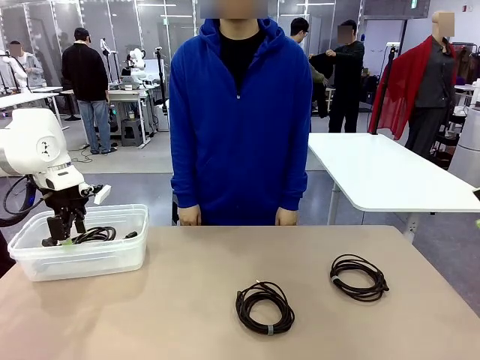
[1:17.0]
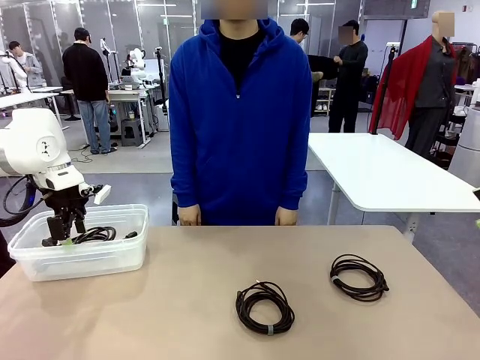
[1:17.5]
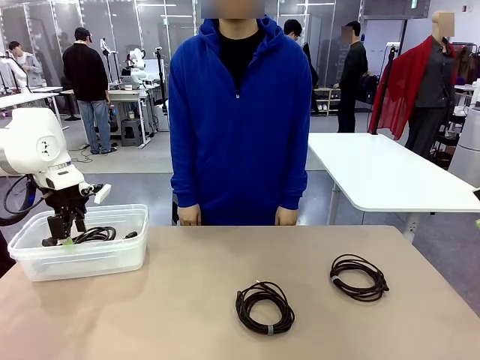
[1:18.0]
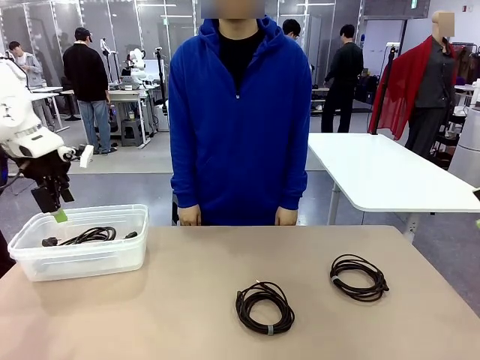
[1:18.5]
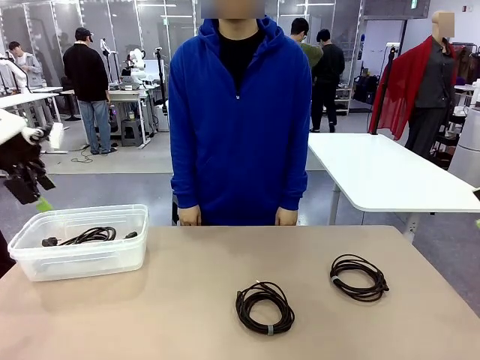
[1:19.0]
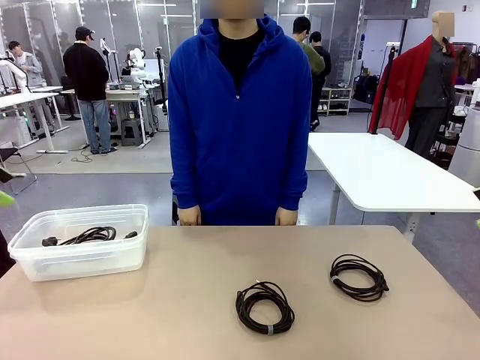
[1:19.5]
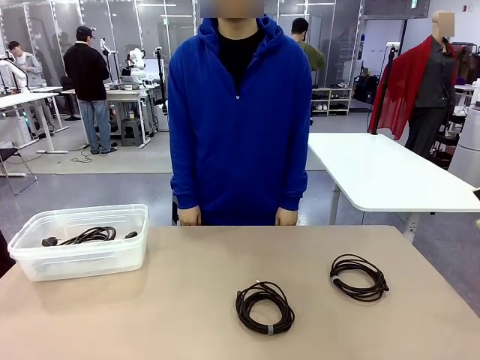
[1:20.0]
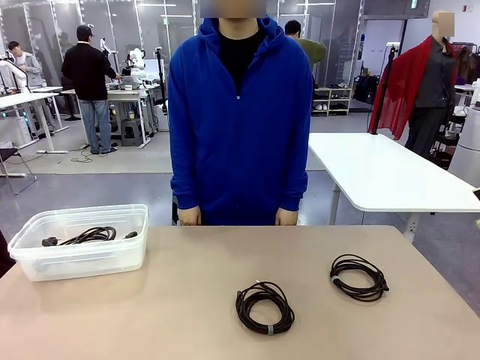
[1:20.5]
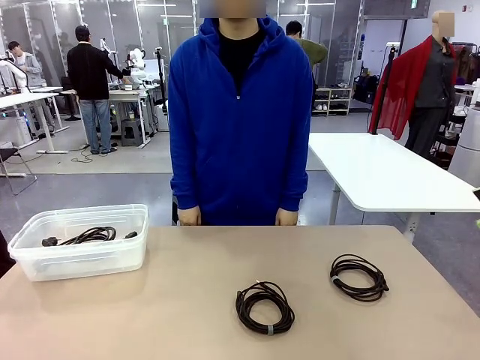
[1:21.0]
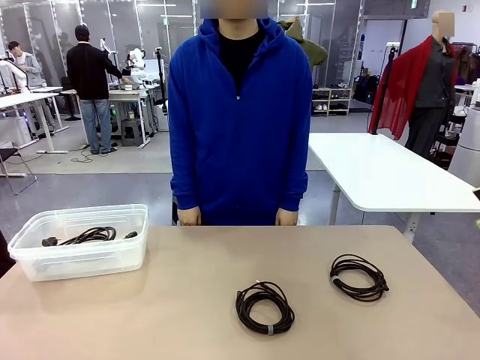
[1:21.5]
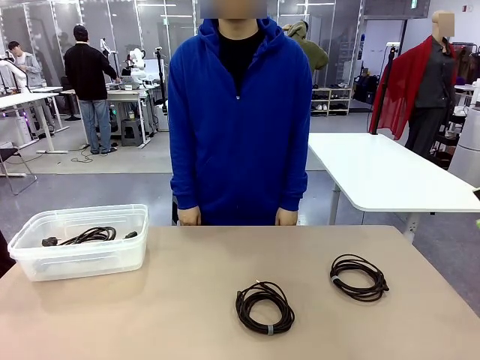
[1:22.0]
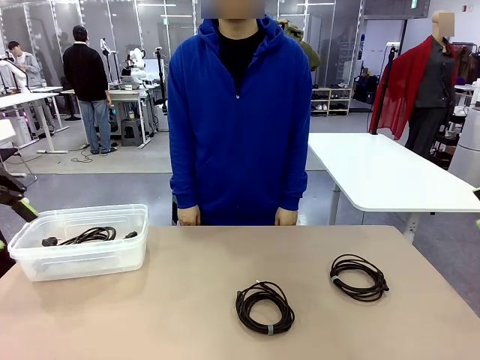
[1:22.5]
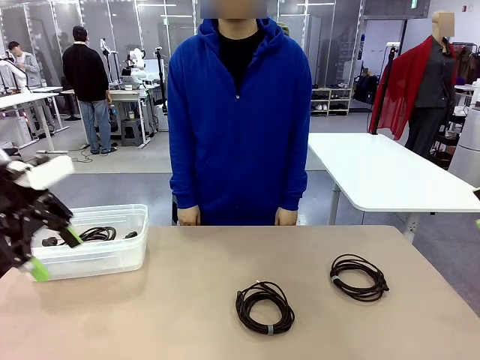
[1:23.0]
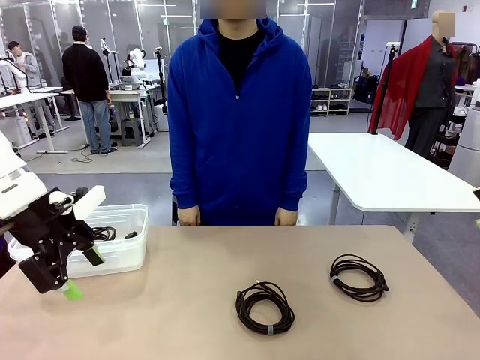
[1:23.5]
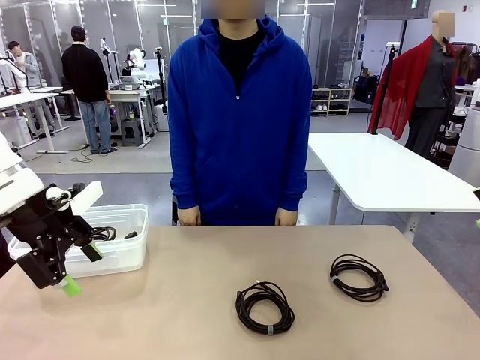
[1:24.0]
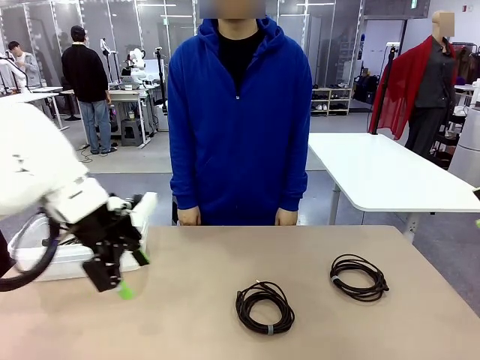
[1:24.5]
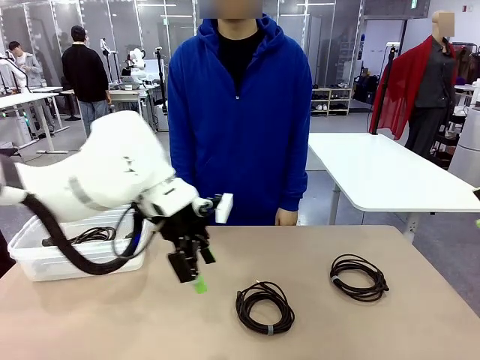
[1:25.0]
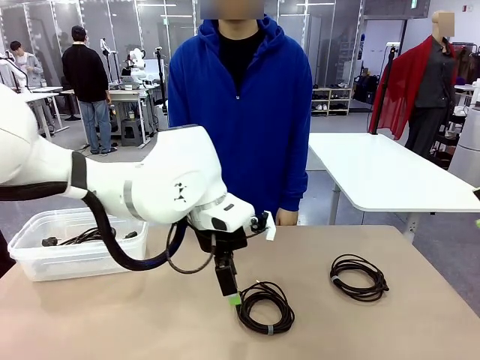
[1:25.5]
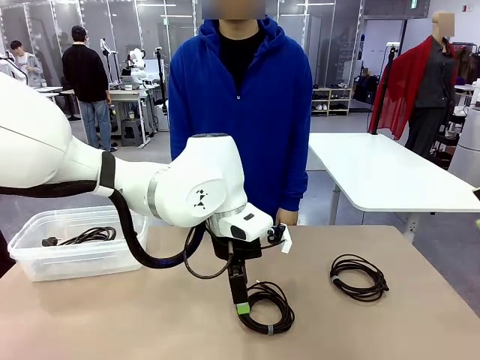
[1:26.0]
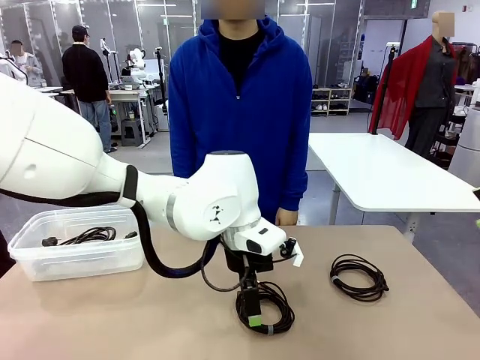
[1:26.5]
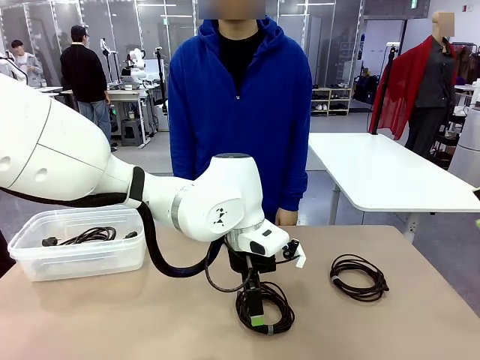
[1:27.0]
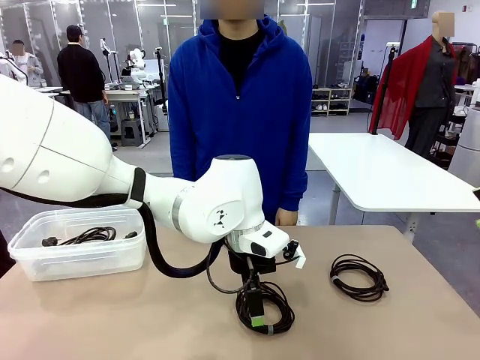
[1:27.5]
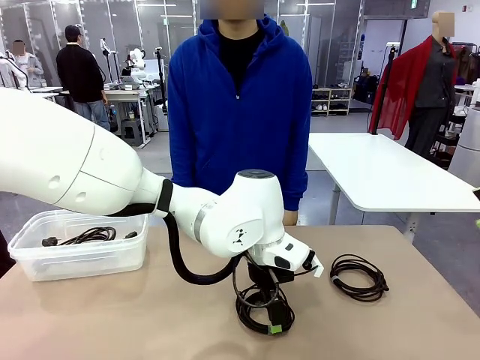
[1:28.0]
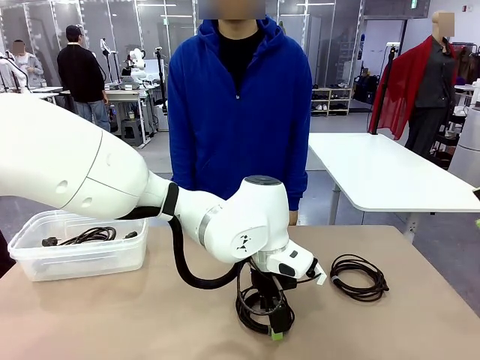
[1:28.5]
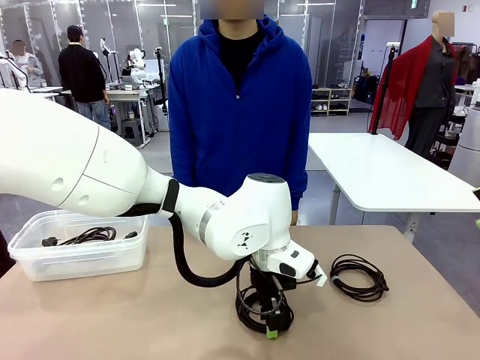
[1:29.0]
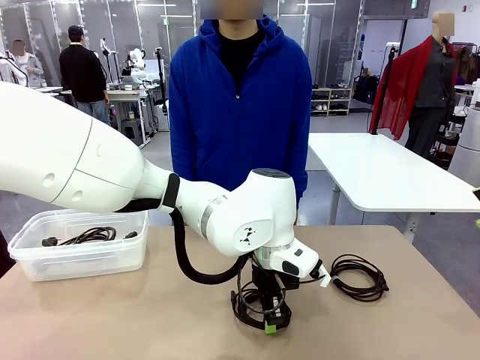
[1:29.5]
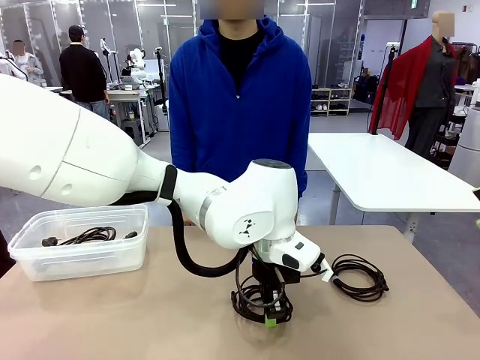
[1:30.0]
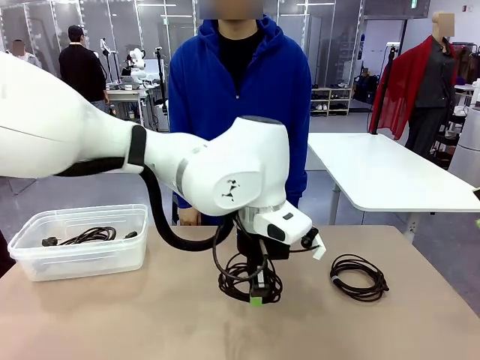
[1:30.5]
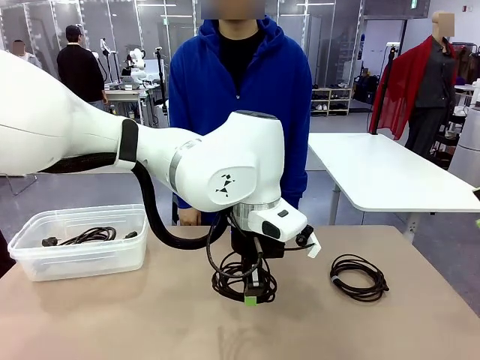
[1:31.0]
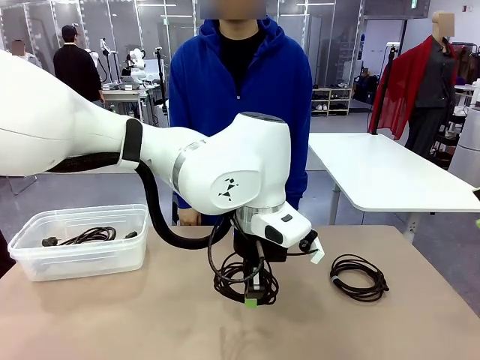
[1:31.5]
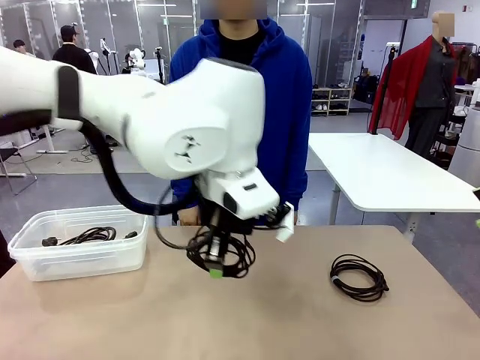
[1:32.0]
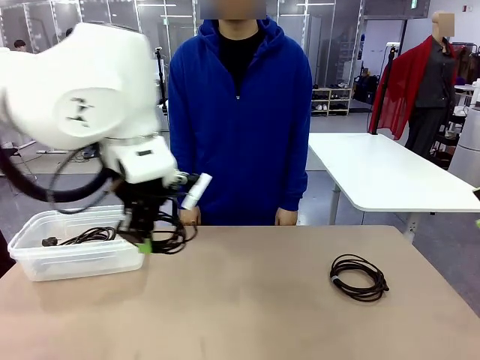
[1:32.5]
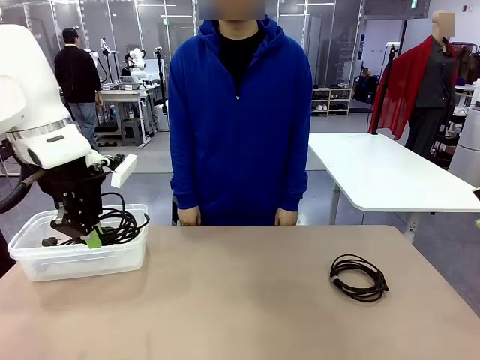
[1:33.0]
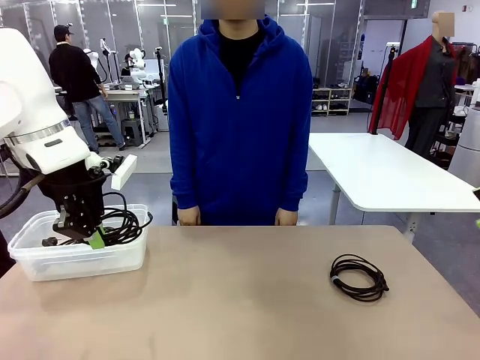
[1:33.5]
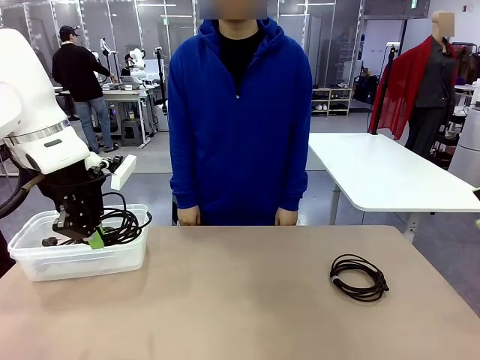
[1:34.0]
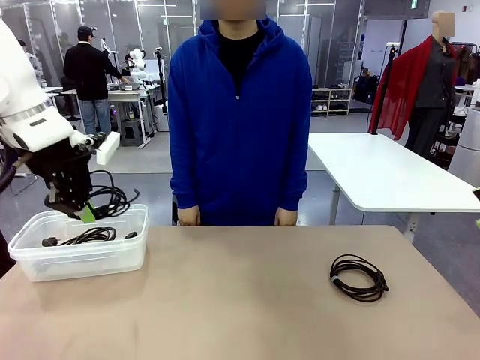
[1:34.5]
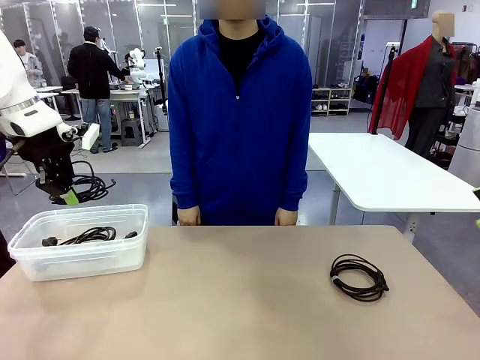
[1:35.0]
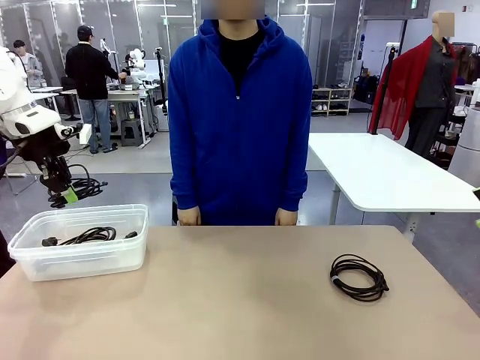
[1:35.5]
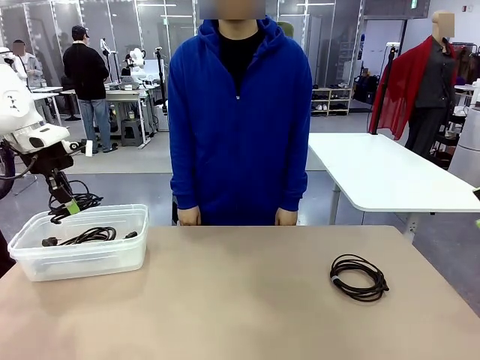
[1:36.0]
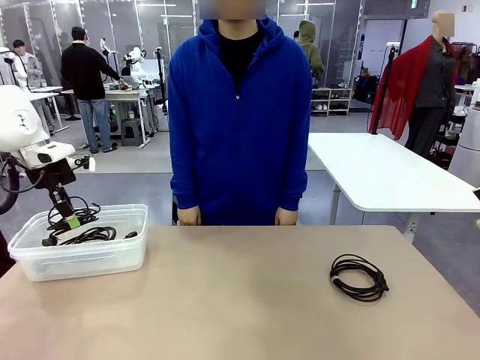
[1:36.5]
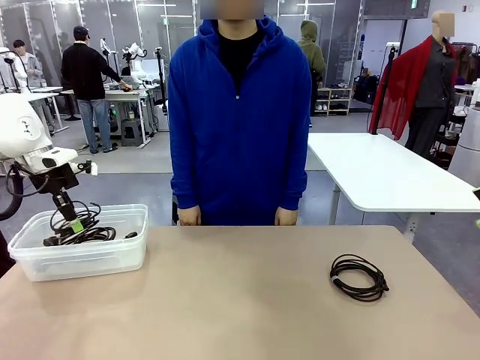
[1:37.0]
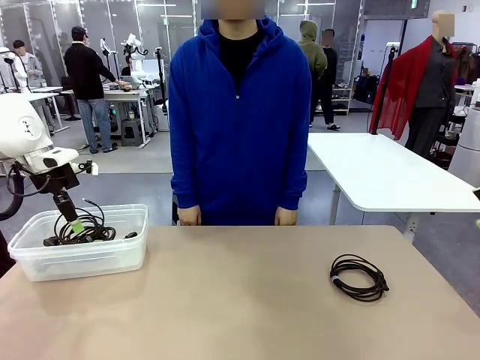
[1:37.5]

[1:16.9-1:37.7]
Task: Organize and store the cables.
Robot: Place the USB Extension Cable into the Organizing box.
